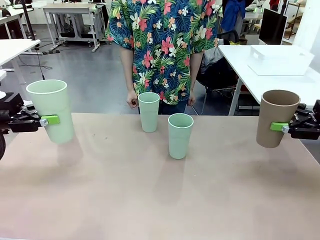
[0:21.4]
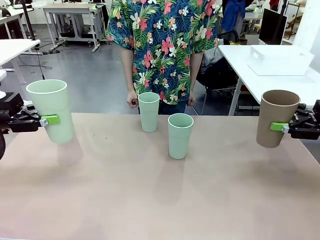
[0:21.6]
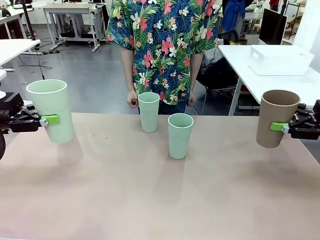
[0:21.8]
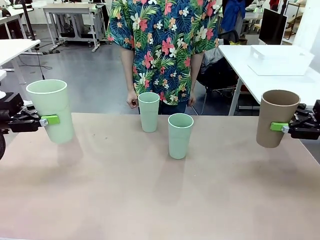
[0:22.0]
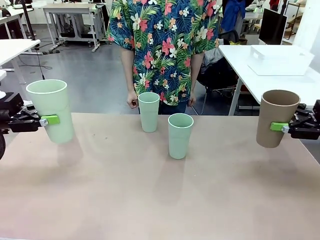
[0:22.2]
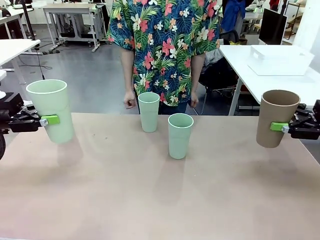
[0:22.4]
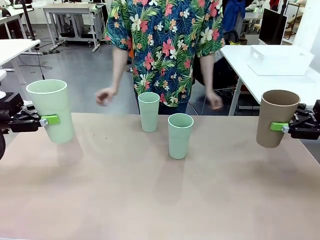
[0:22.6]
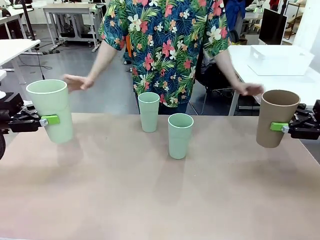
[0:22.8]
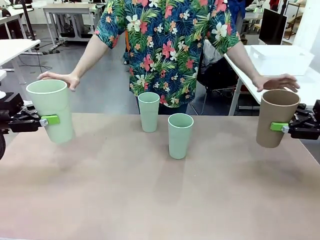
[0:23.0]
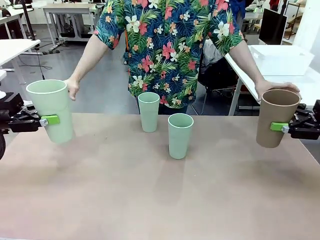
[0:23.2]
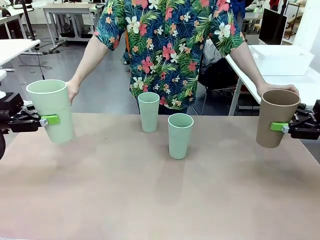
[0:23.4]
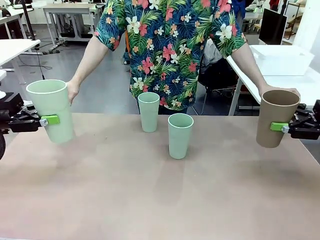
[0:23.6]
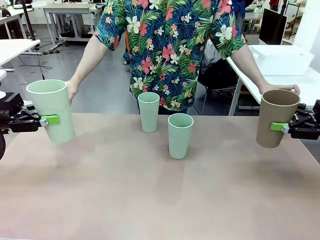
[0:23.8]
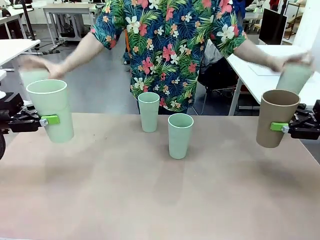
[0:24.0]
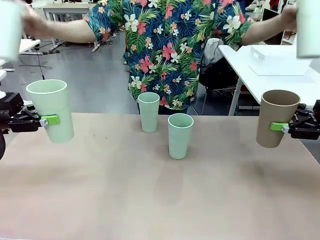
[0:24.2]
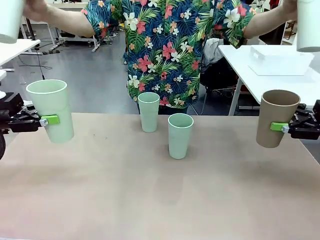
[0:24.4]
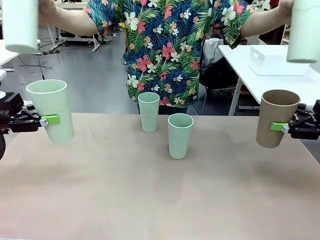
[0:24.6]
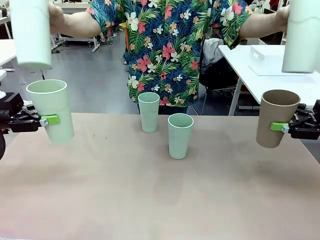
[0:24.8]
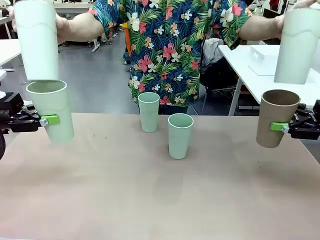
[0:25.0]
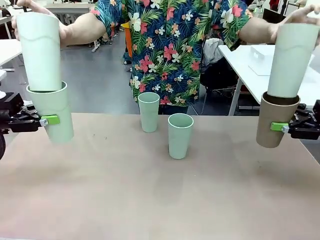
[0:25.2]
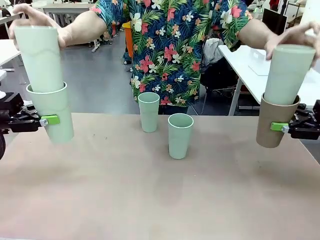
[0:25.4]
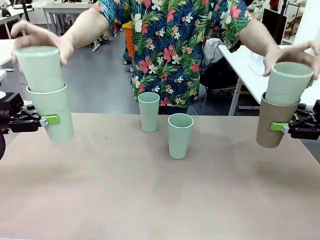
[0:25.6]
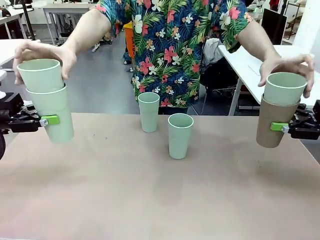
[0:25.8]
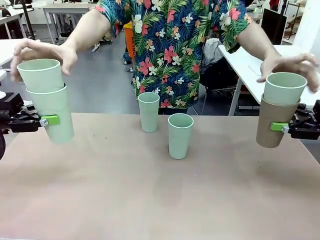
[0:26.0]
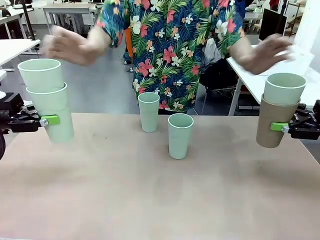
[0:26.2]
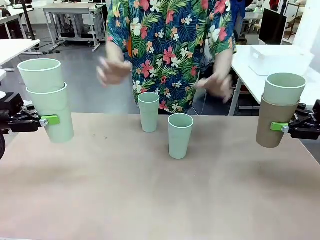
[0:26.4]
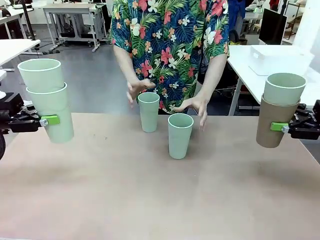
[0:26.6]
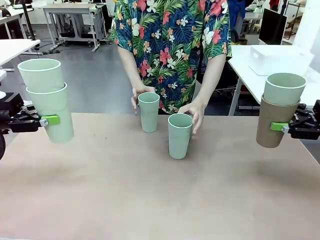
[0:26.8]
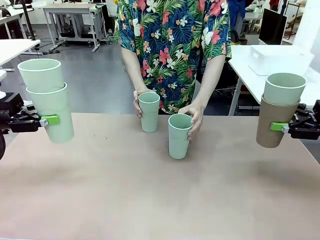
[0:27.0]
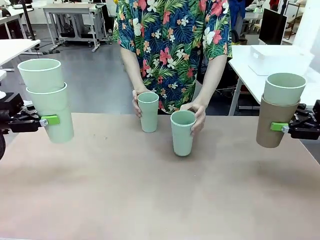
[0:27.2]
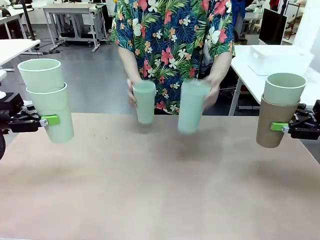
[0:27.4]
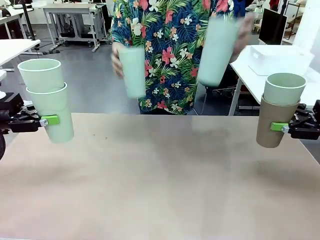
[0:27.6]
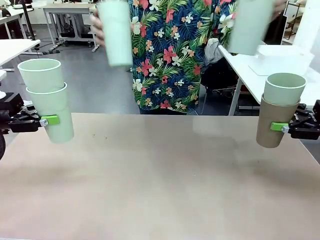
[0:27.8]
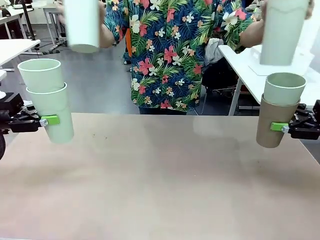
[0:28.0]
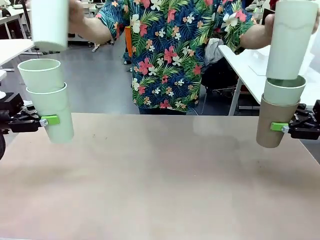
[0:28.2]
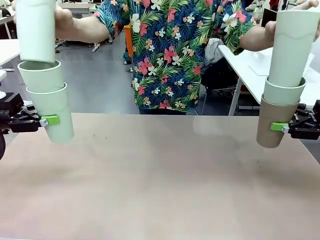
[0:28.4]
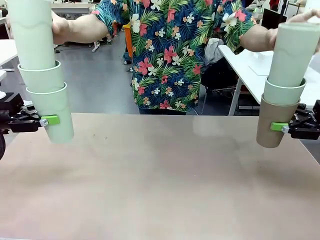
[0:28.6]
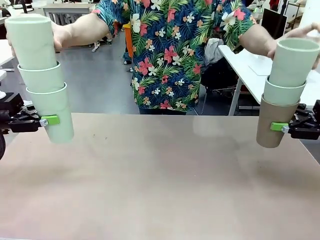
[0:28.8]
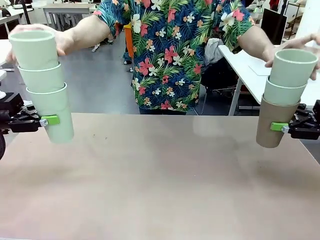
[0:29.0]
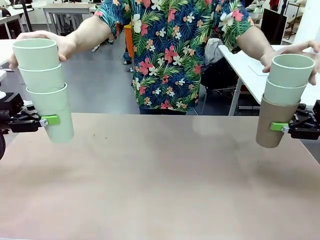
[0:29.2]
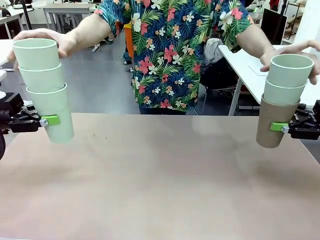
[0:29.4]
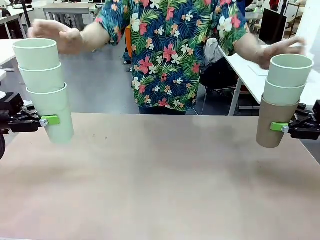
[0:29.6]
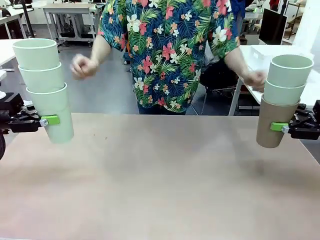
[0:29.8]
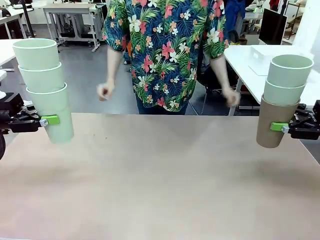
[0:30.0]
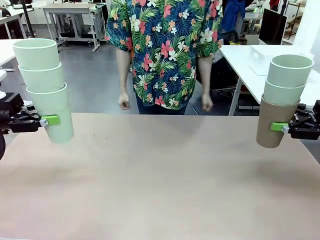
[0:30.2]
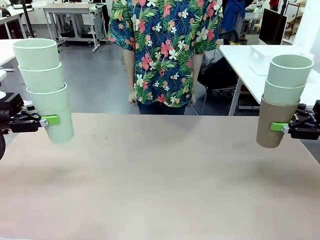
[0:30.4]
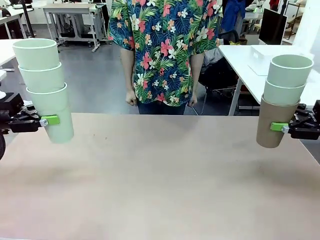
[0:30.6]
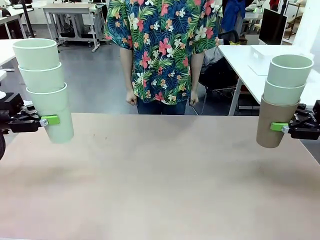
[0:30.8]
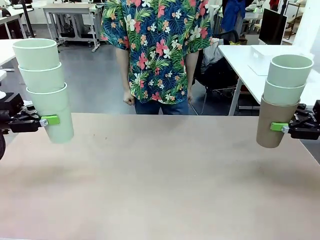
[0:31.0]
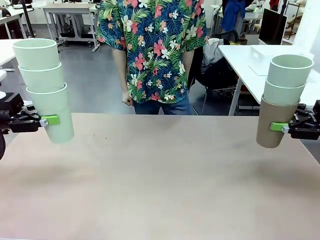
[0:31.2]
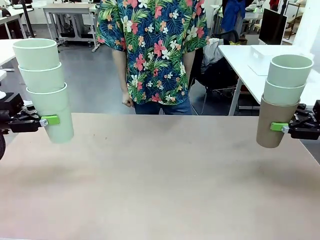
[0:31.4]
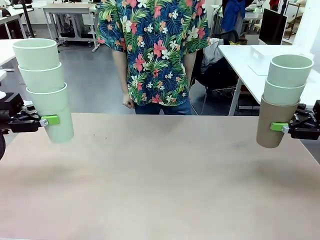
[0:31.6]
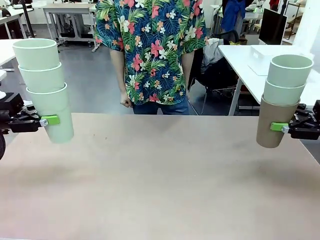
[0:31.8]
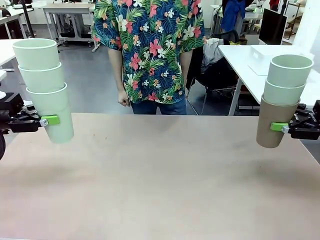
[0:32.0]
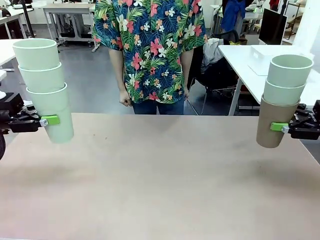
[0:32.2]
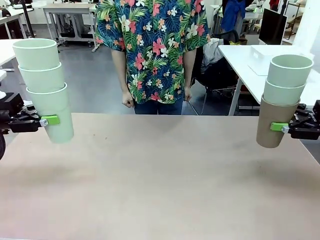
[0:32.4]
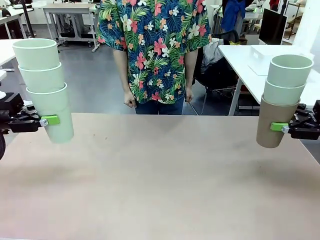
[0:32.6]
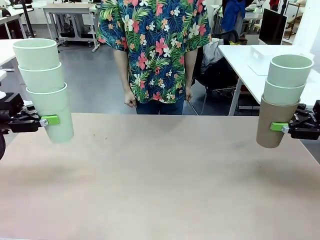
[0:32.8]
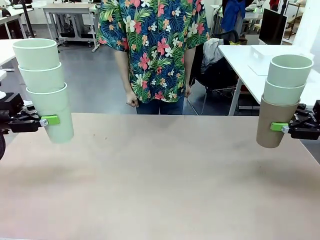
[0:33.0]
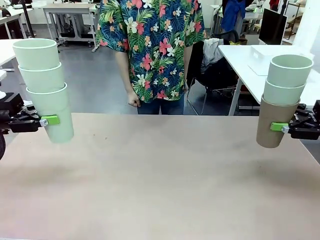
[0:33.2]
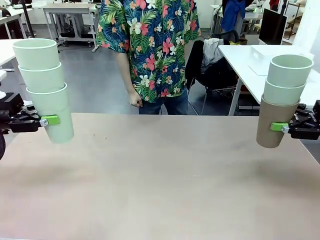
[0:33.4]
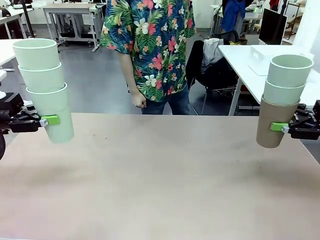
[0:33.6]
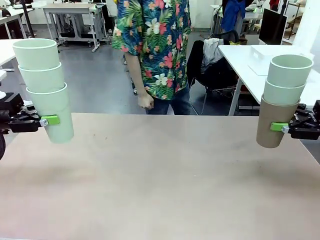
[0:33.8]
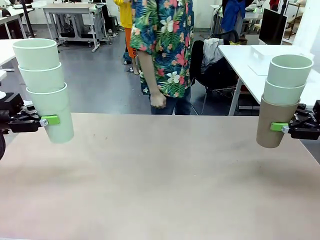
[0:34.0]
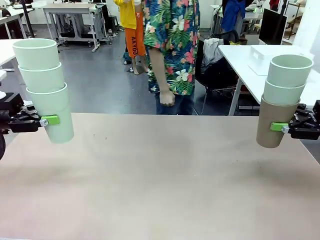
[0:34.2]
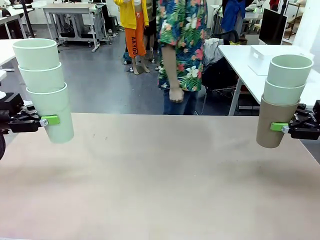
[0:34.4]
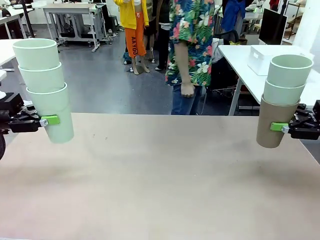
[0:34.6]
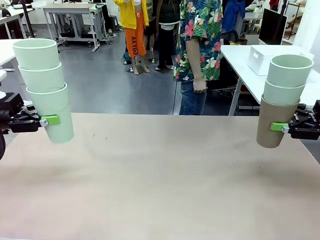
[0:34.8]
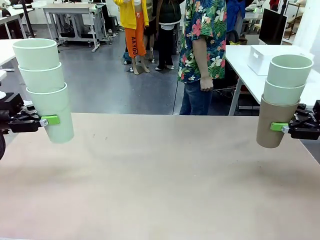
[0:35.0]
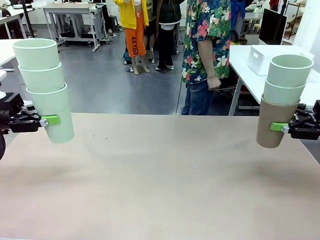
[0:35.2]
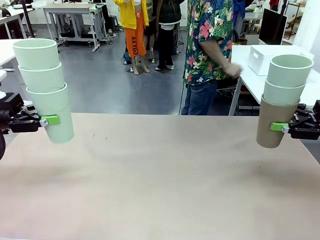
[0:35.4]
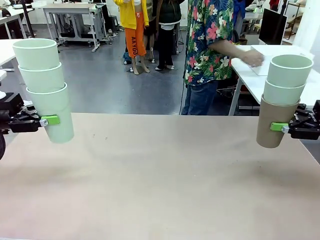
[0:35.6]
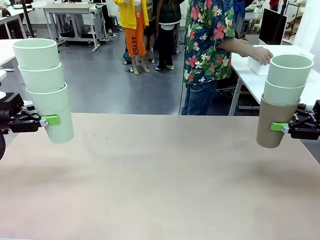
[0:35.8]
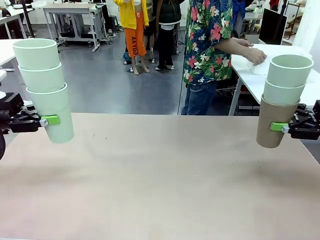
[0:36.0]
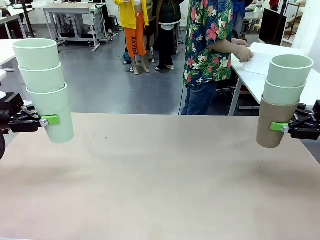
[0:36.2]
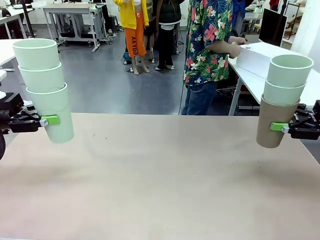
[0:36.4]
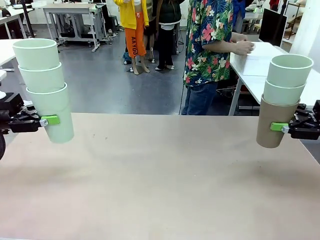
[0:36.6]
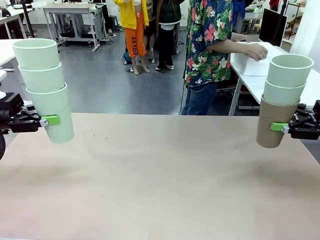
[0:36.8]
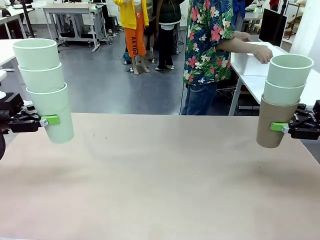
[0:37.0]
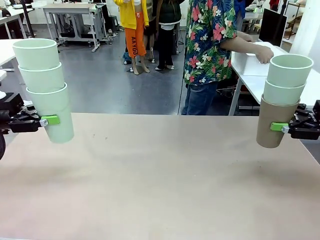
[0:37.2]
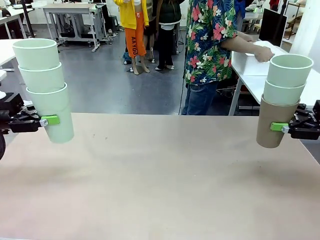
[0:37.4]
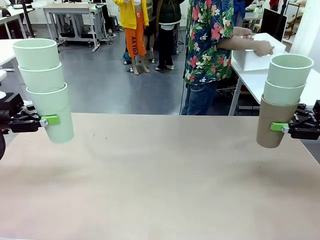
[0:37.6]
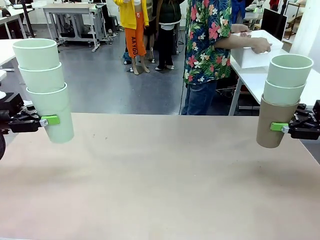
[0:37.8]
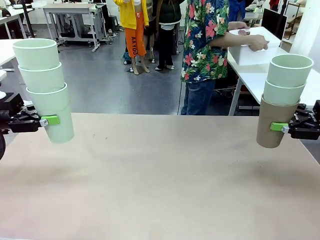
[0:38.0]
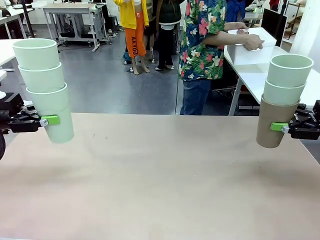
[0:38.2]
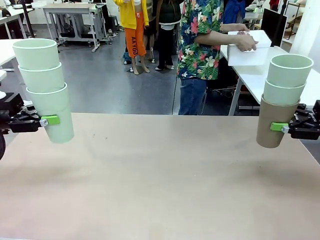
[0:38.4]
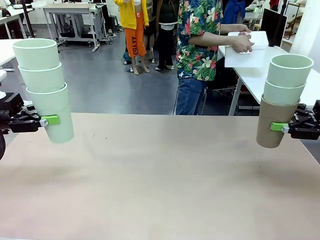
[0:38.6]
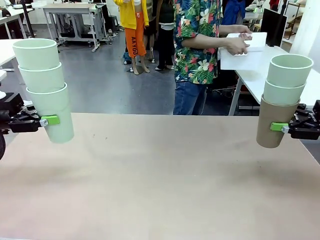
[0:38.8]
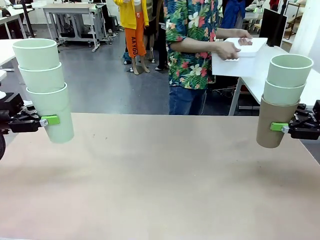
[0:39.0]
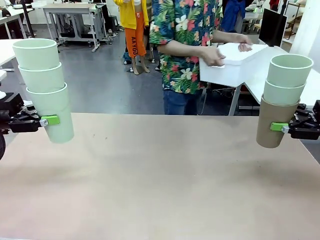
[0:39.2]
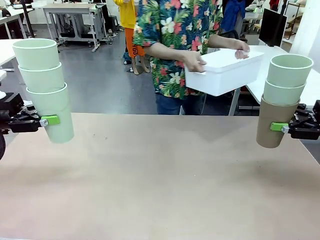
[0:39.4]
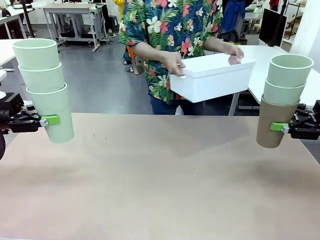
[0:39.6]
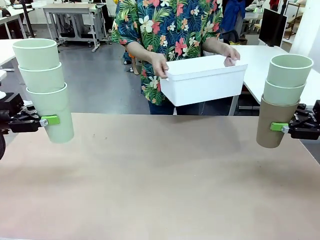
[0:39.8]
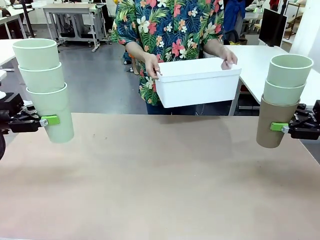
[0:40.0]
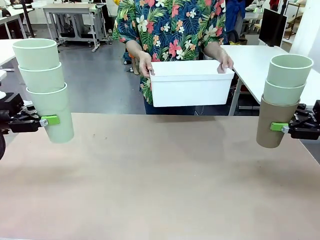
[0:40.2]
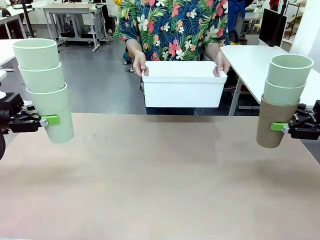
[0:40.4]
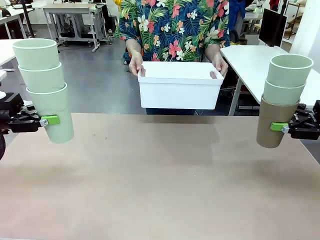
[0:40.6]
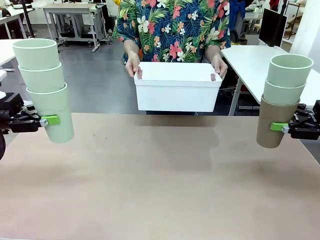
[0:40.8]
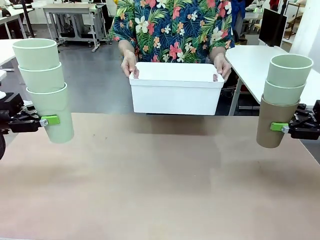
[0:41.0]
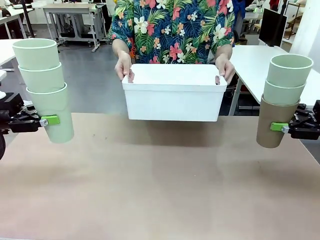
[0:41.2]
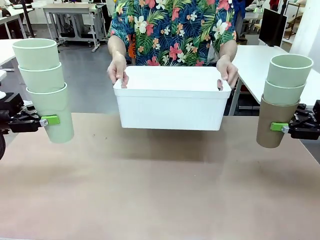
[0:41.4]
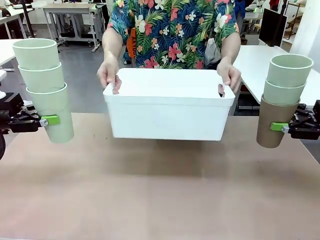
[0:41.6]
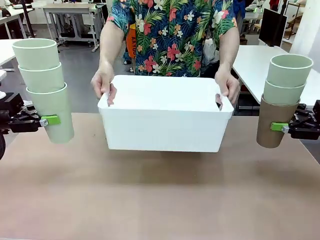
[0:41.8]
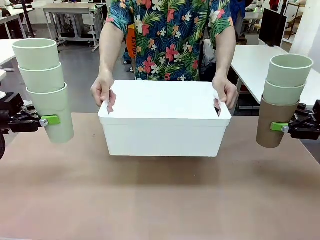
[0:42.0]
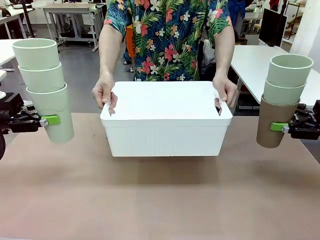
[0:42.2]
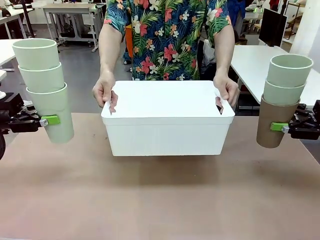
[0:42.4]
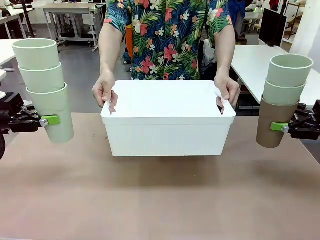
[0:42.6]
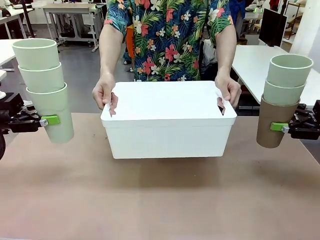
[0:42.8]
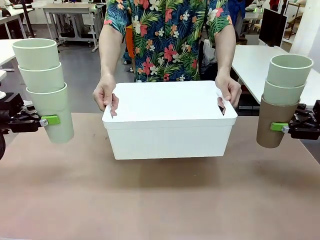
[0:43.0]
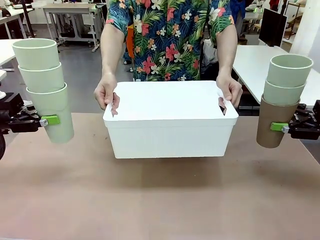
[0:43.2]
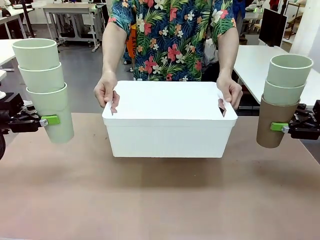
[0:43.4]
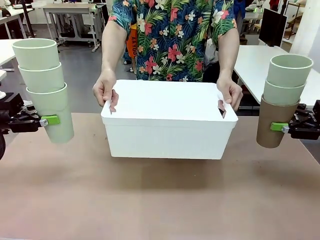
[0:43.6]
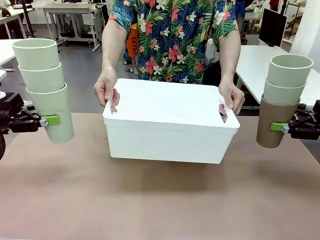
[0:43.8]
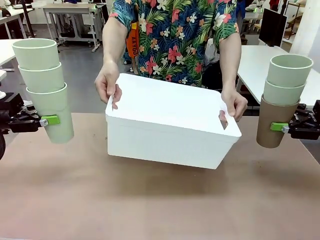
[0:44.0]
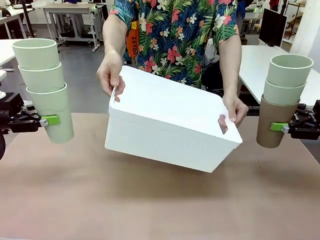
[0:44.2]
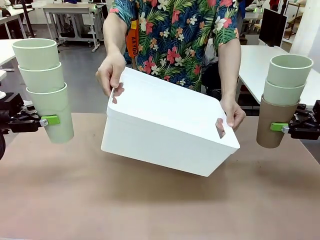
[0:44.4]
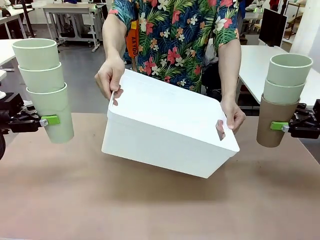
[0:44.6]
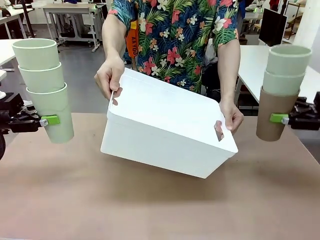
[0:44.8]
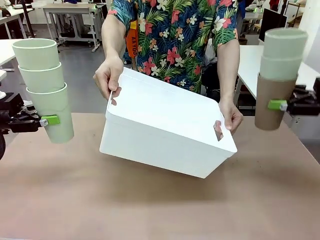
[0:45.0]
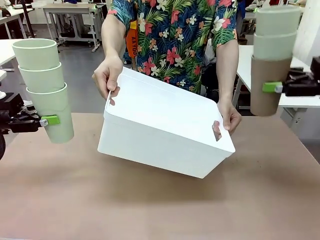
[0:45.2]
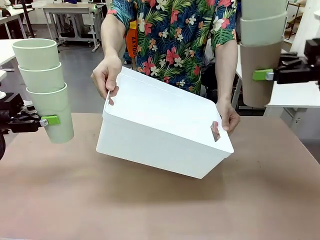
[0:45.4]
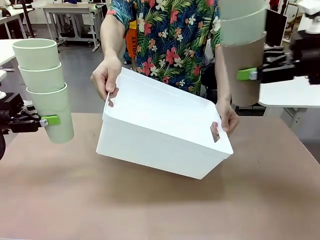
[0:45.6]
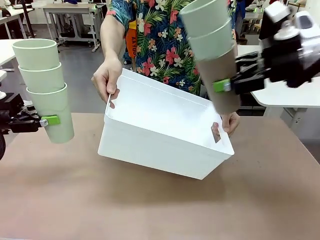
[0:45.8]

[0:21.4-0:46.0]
Task: Stack the cups and store them in the basket.
Robot: Place the stack of Reusable plastic cups into the Pantry Basket.
Person: Pick up the basket from the Human Table, bring it to the front of the robot, and present it.
